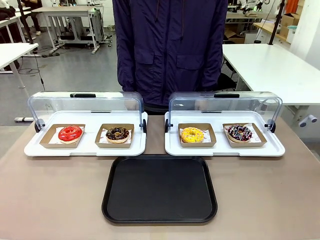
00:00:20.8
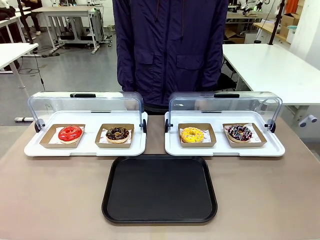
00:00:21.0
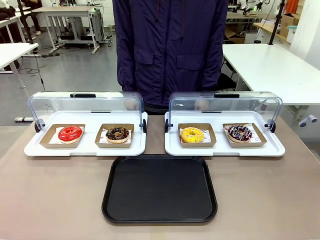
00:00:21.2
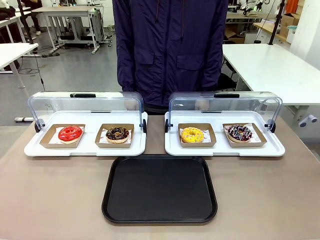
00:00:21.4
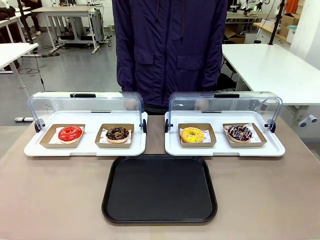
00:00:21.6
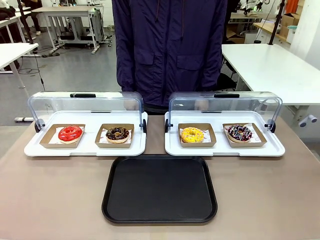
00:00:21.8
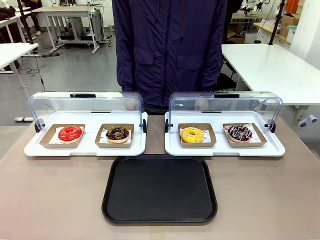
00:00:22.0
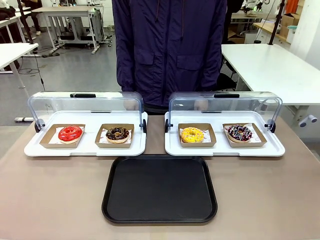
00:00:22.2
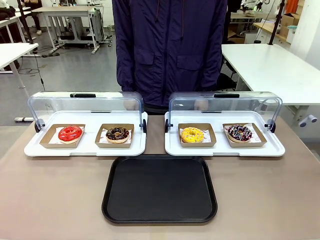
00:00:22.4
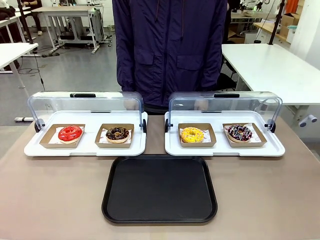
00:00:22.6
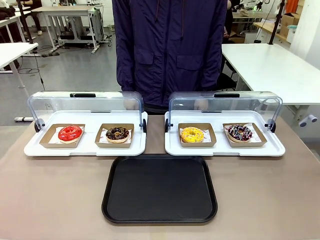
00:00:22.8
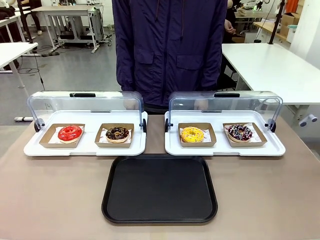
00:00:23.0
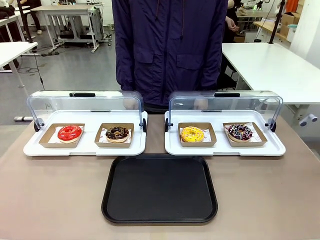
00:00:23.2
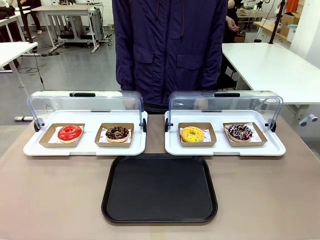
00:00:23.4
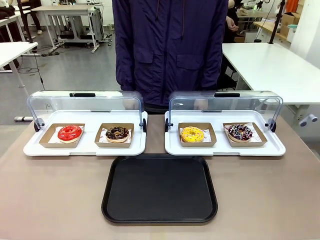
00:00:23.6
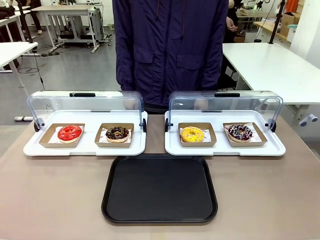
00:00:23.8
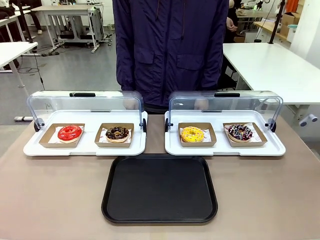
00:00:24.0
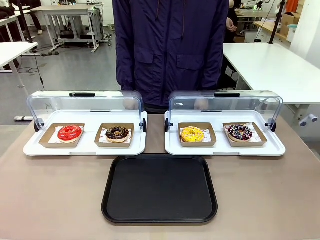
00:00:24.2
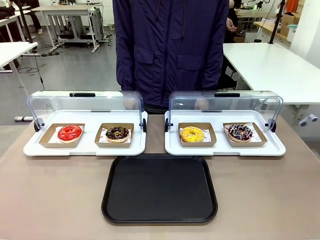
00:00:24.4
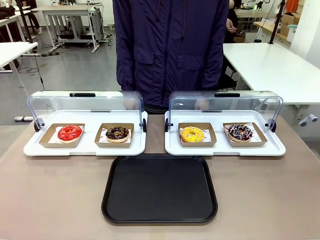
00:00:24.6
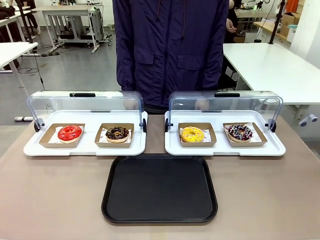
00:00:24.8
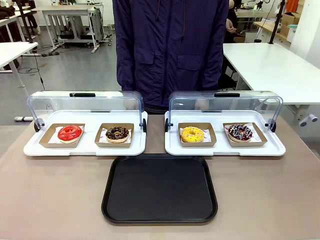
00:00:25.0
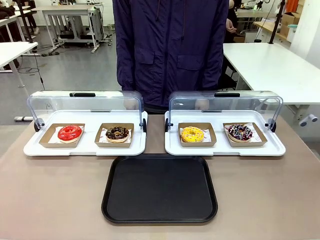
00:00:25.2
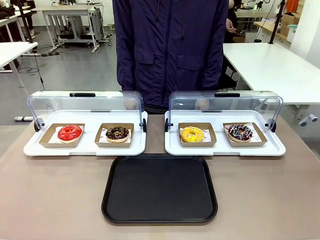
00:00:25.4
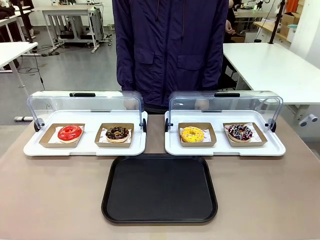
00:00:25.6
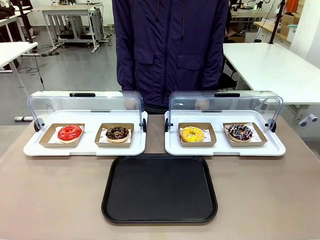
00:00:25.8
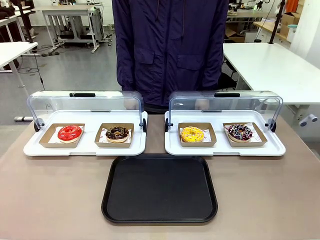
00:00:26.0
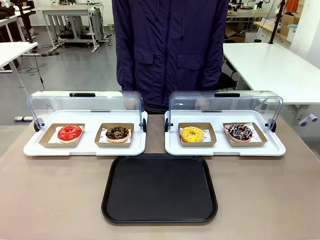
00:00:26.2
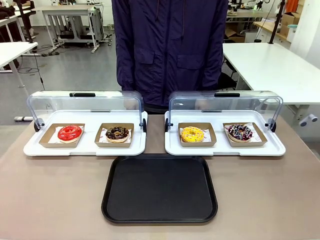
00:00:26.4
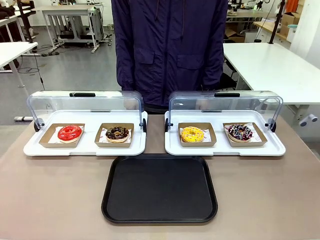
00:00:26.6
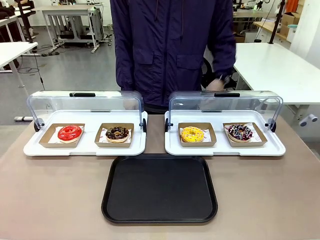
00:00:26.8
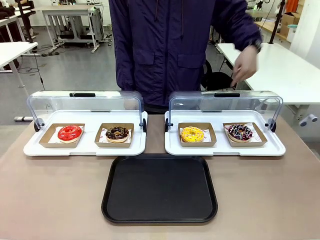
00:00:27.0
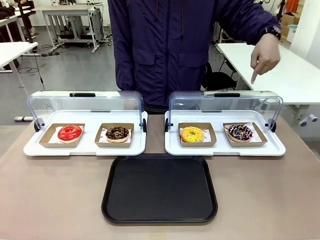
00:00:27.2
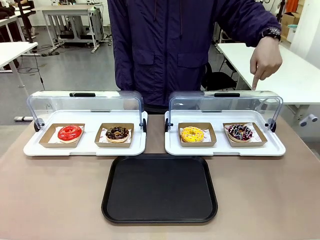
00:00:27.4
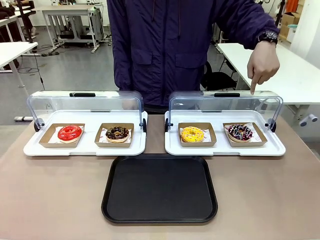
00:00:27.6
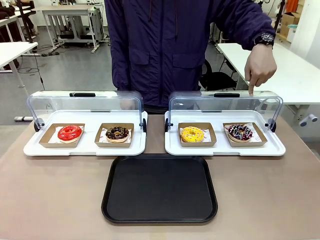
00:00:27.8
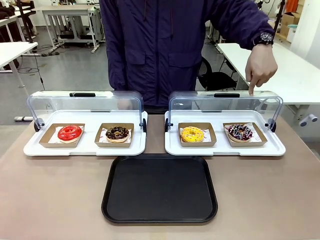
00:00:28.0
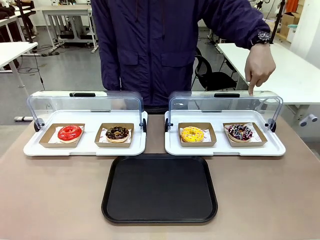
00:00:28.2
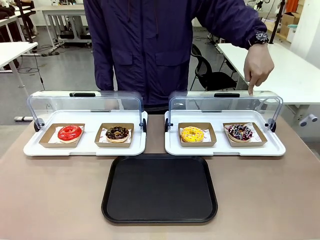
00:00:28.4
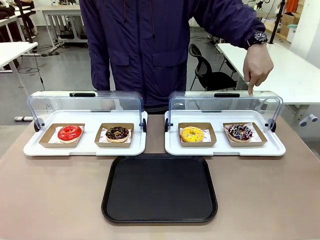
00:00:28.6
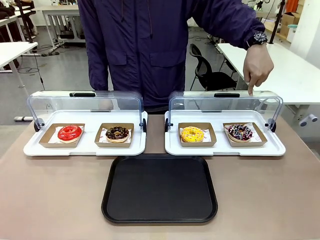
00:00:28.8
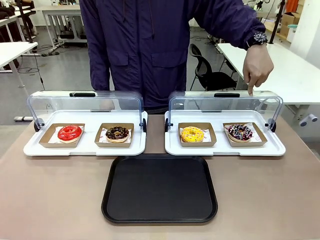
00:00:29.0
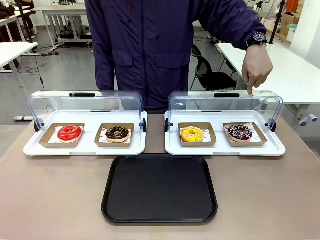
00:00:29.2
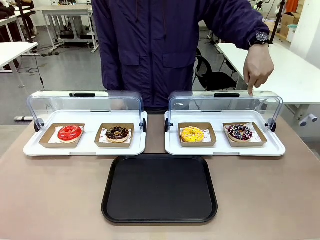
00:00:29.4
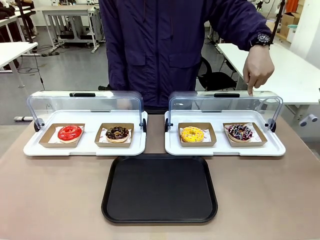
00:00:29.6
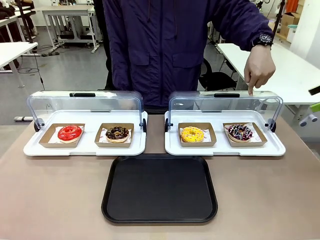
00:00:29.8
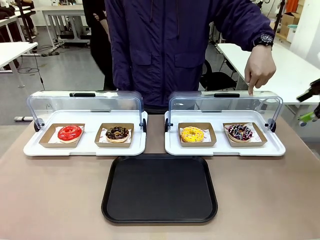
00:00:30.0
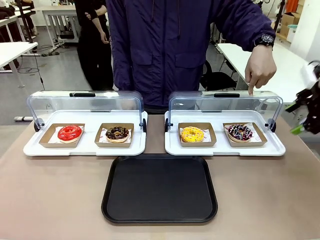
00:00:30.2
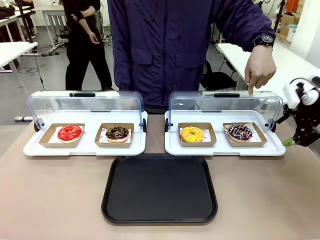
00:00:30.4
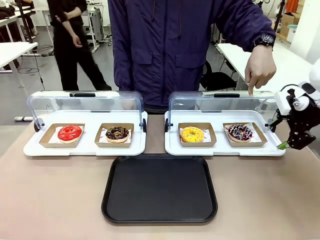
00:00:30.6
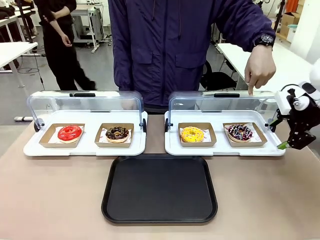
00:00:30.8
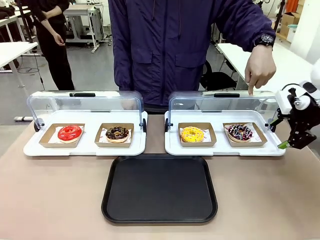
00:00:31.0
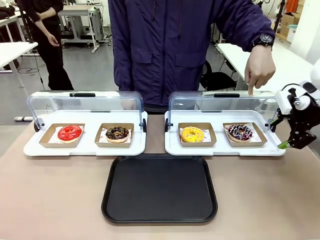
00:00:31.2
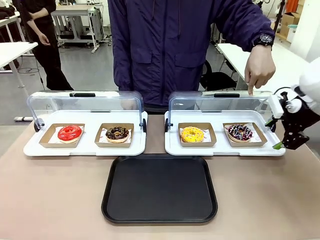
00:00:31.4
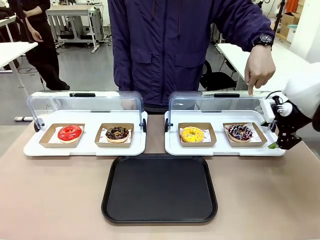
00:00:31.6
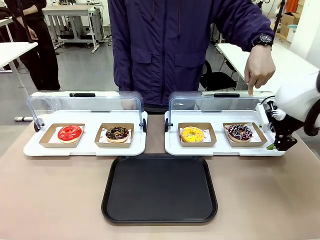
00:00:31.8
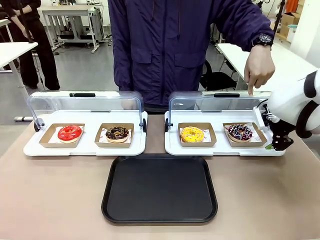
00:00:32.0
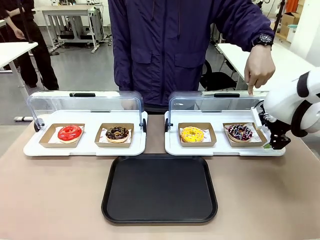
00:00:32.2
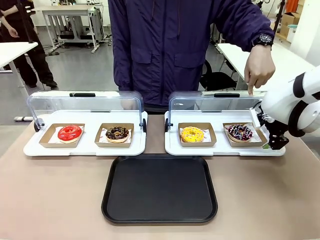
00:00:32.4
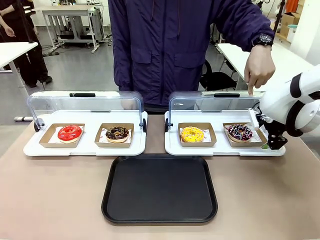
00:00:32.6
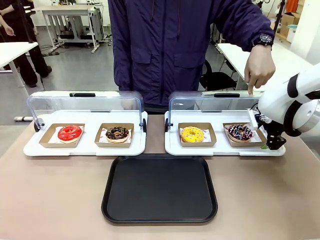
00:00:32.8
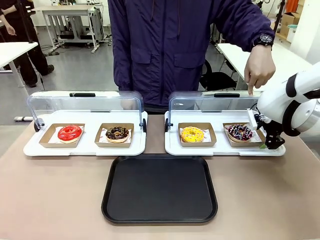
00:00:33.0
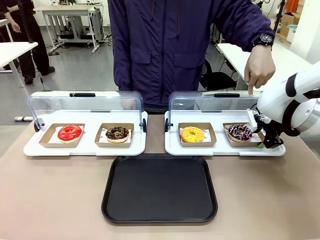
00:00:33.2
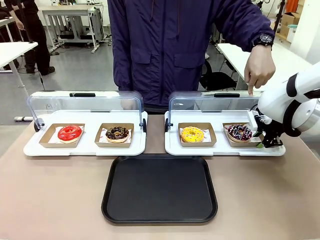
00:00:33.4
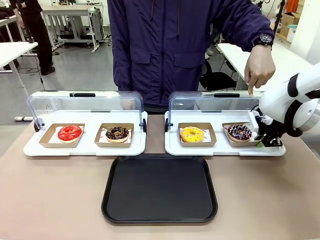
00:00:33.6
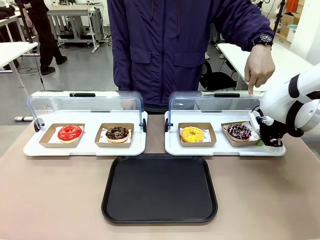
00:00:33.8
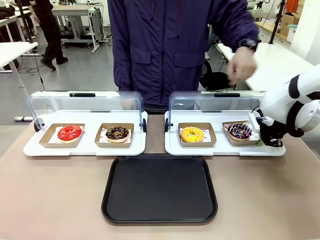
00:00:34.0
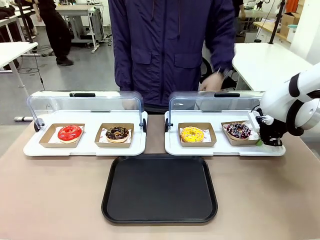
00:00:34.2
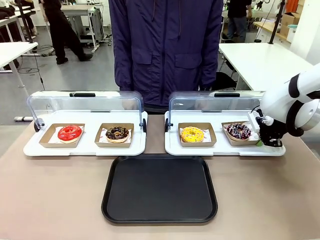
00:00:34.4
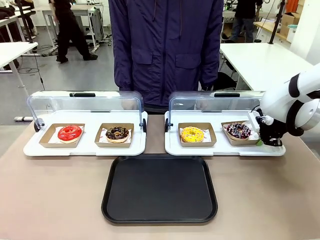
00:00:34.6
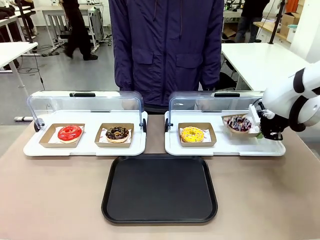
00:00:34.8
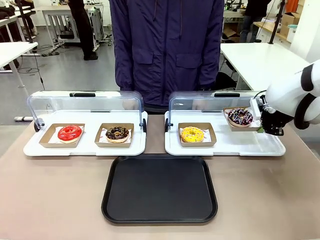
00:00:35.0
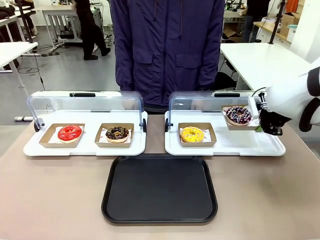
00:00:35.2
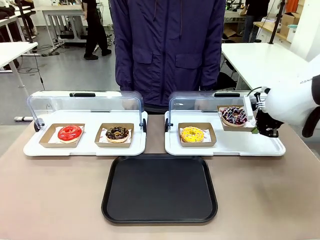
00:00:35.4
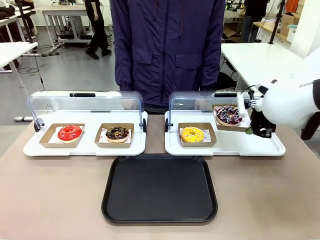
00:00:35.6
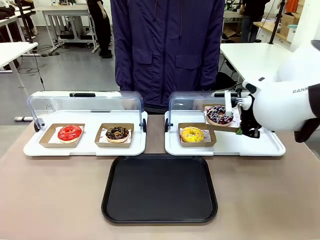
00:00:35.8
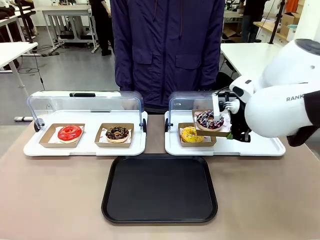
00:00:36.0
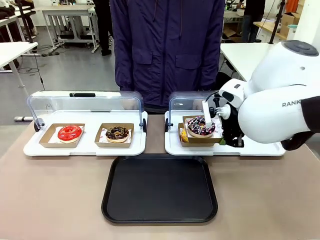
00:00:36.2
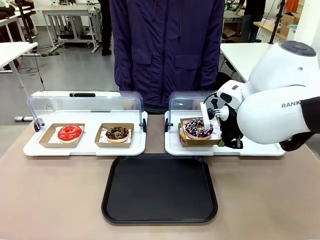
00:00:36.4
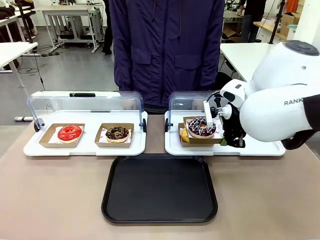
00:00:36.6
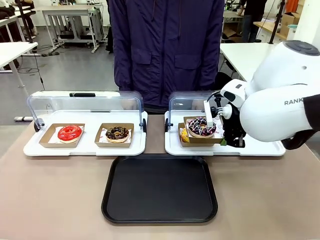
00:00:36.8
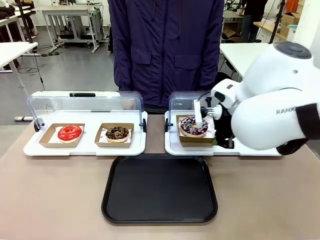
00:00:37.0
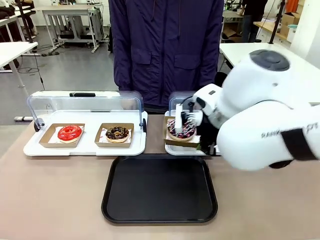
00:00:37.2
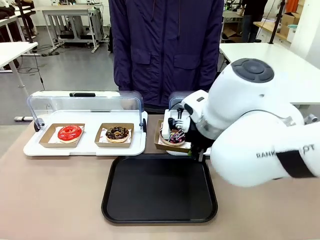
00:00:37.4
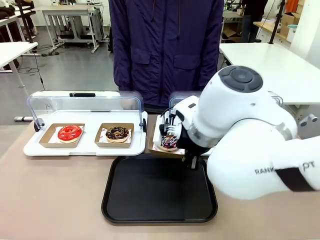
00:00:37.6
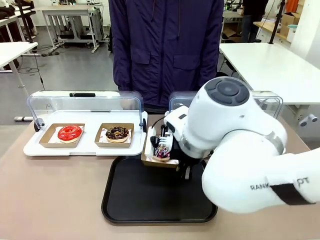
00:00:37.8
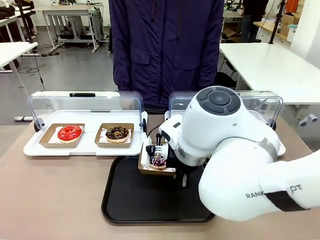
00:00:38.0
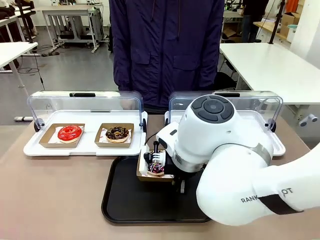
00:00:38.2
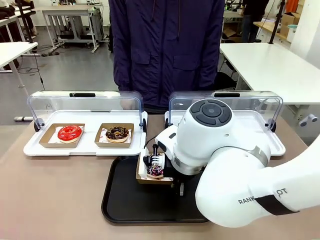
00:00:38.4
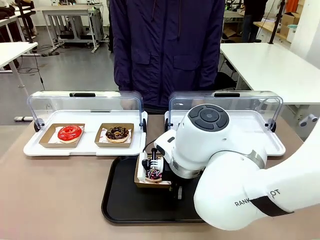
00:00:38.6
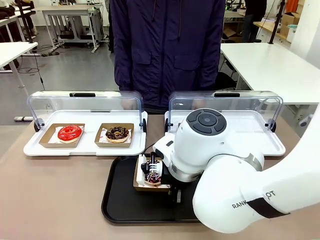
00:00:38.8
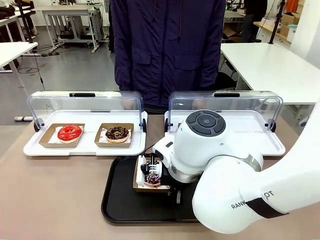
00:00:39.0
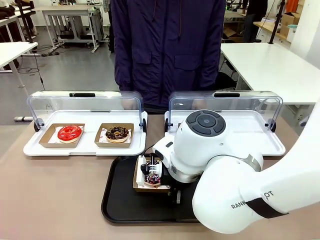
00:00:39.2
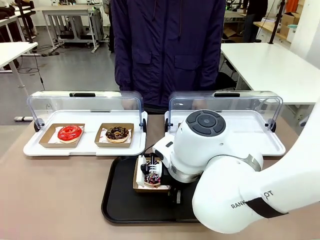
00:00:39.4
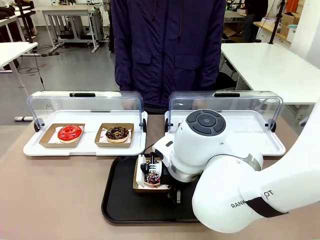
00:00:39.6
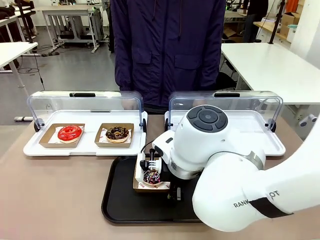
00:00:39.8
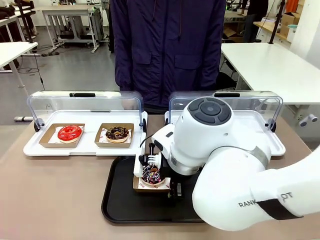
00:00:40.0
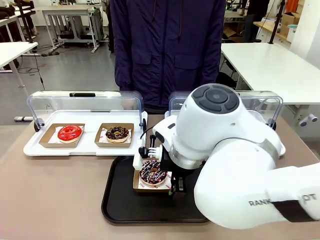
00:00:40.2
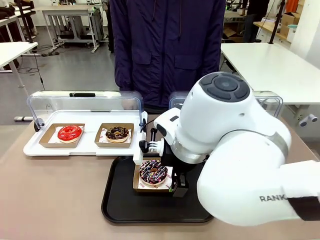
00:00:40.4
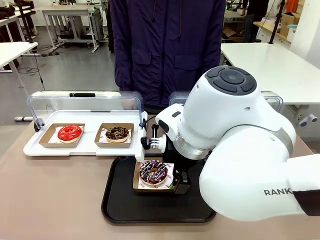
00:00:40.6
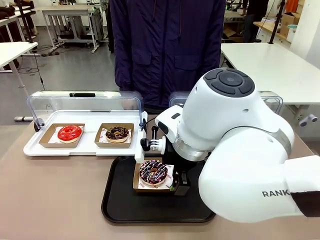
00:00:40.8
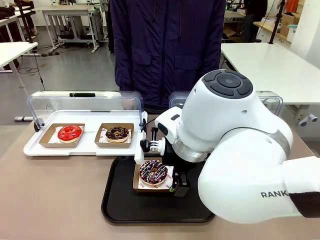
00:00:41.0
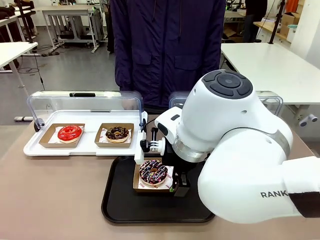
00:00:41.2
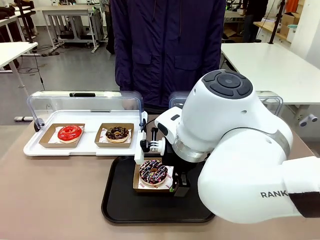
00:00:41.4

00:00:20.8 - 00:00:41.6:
Task: Move the fourth donut from the left to the tray.
Robot: Pick up the Paper togo box containing the Donut indicated by the person and place it on the Handle tray.
